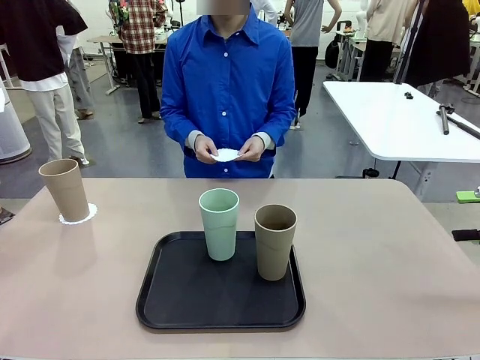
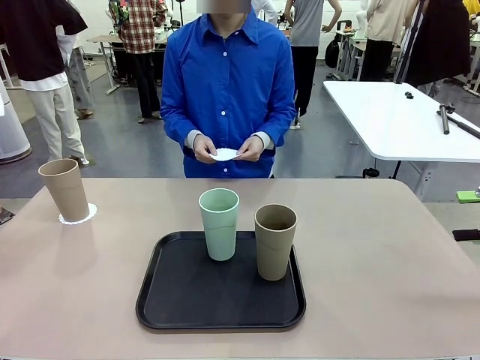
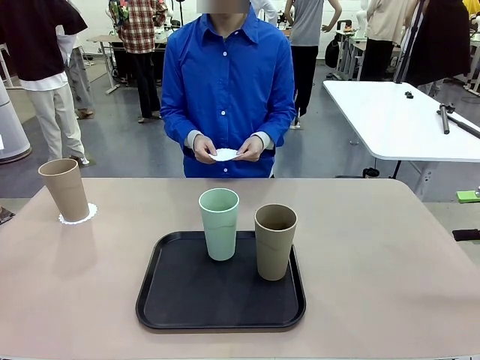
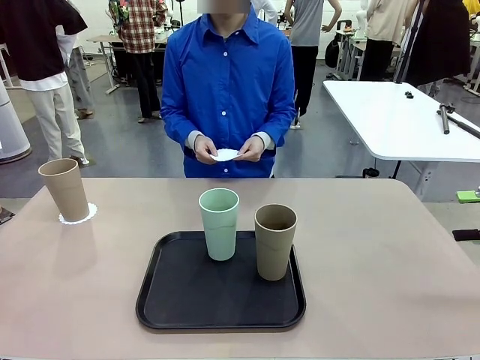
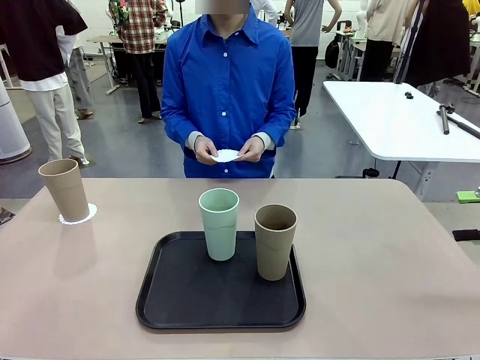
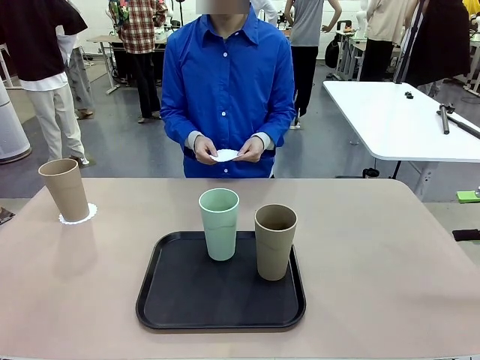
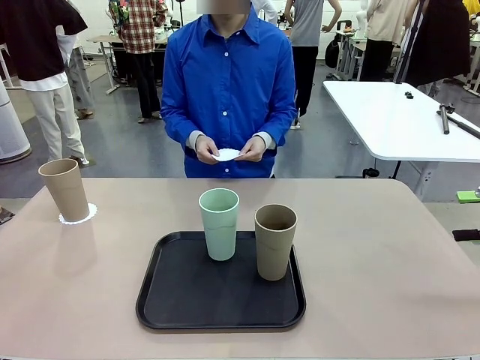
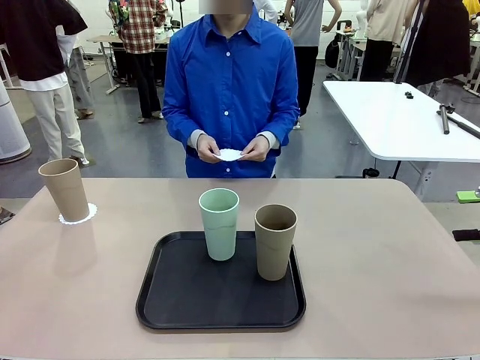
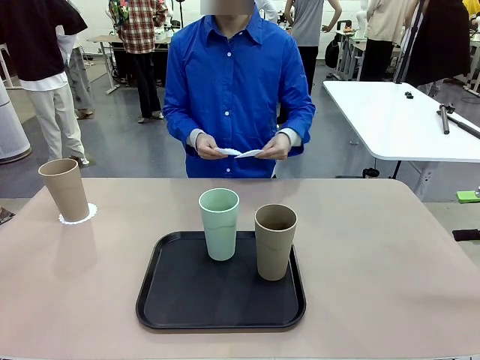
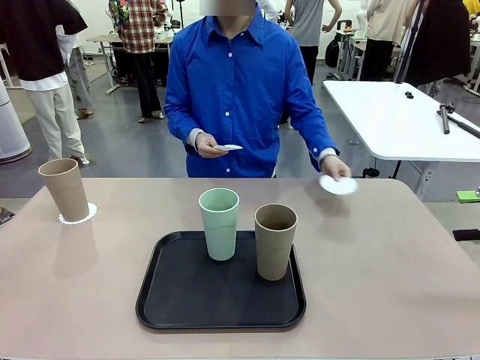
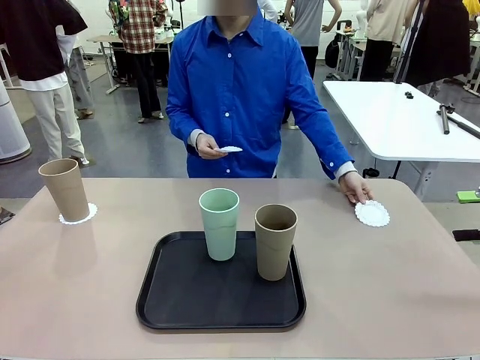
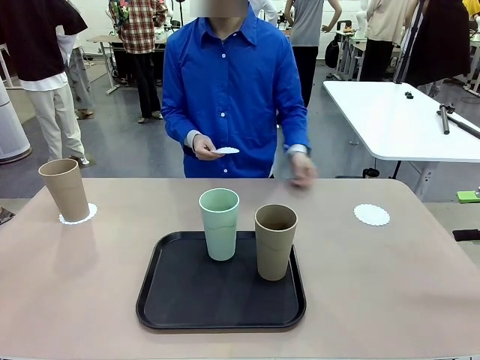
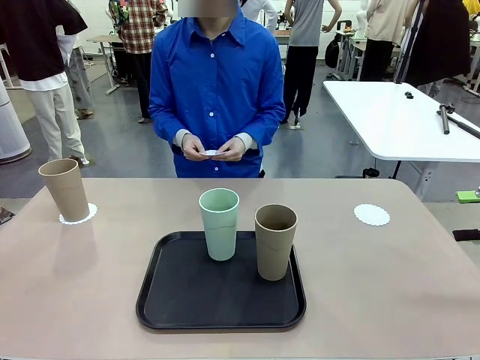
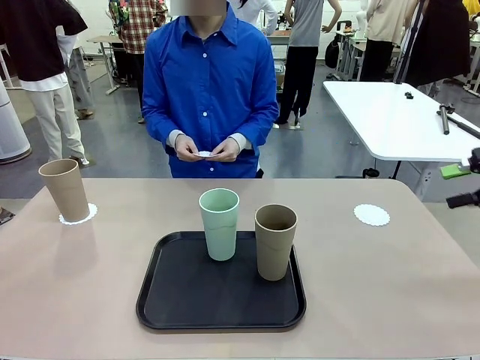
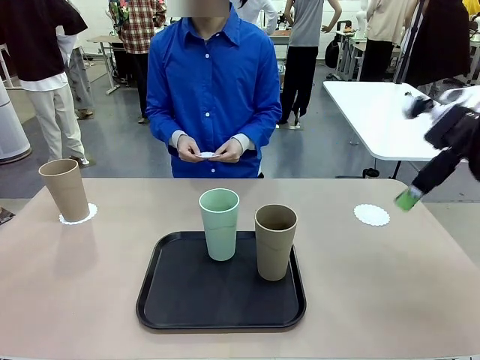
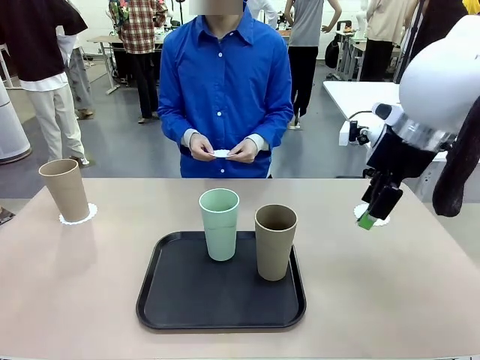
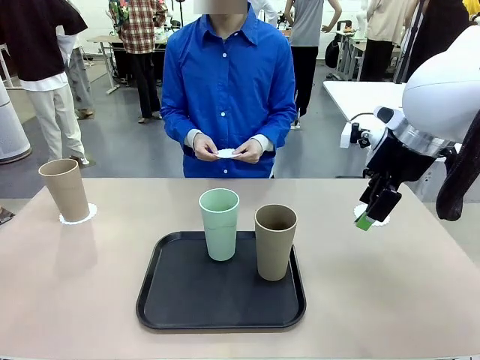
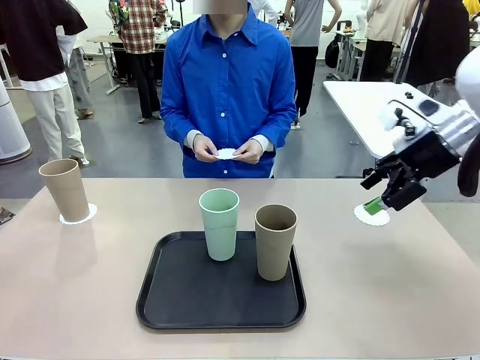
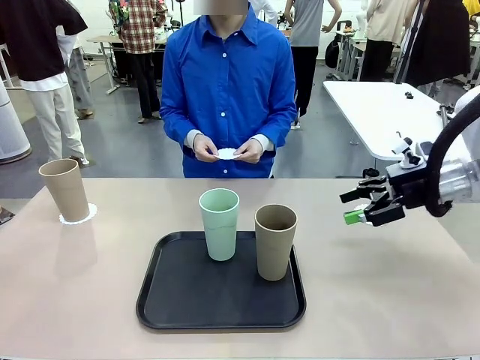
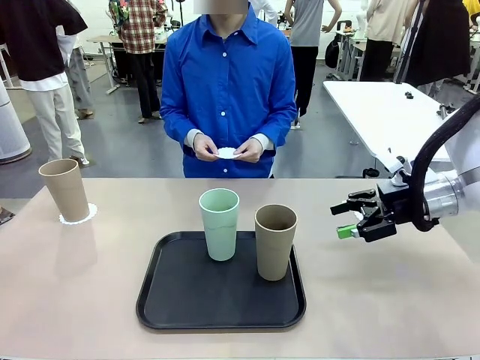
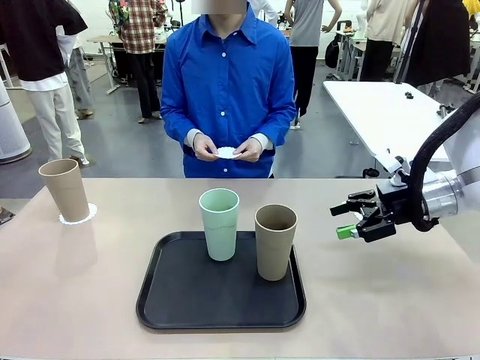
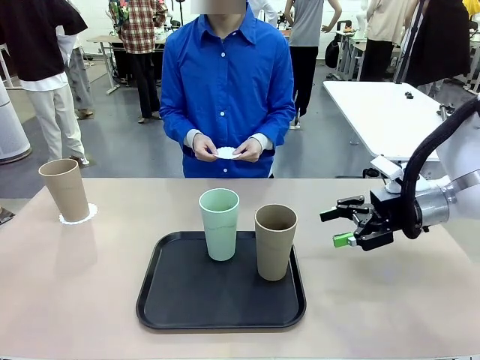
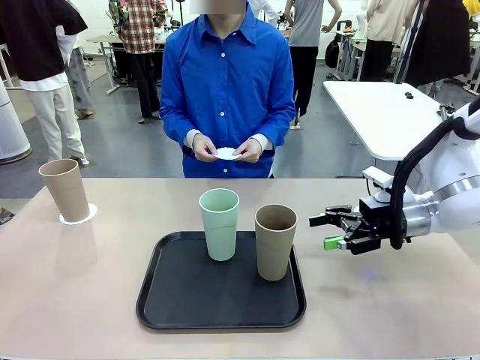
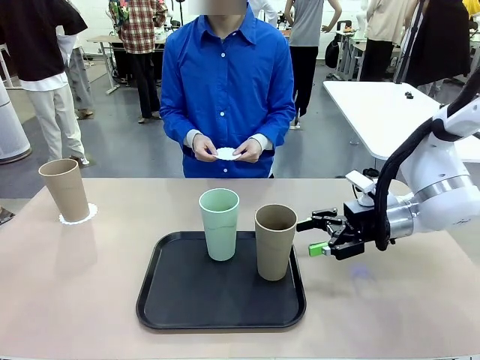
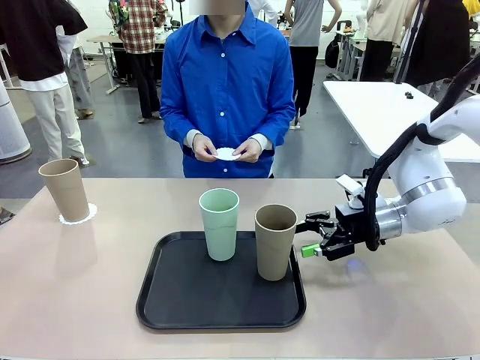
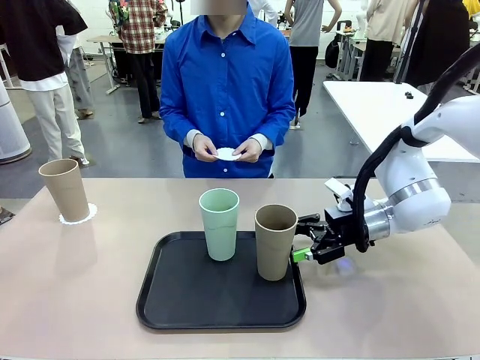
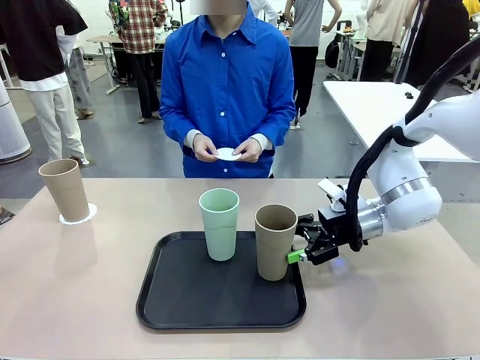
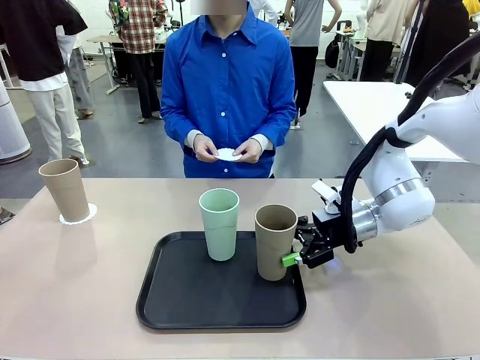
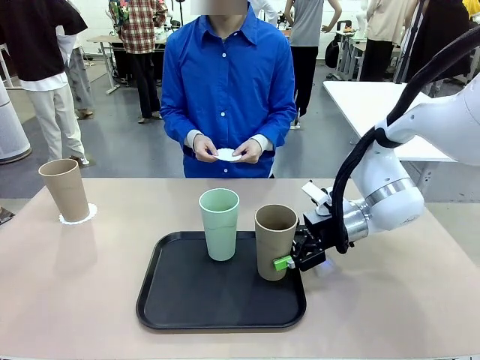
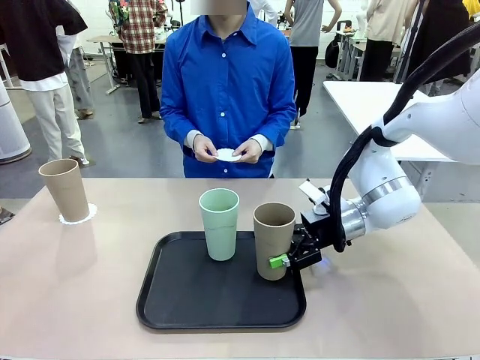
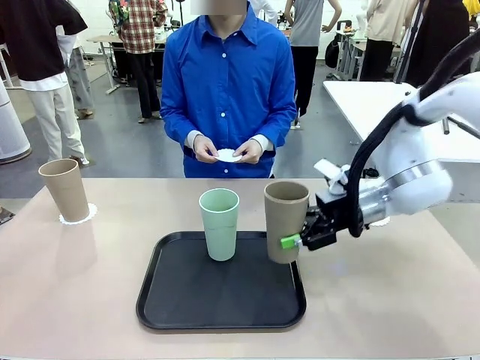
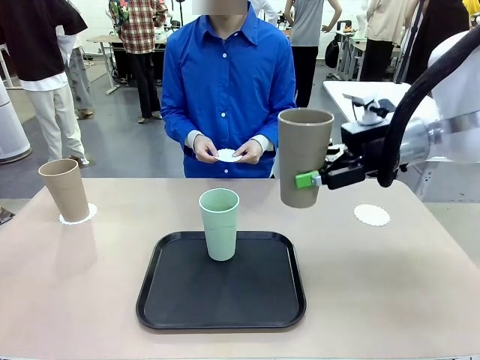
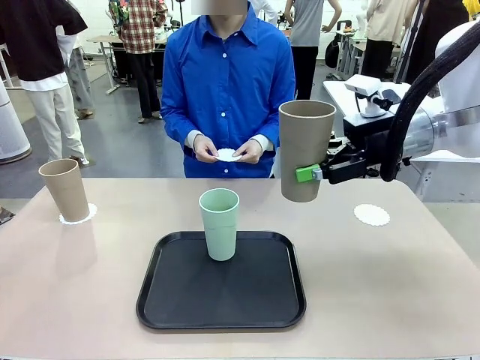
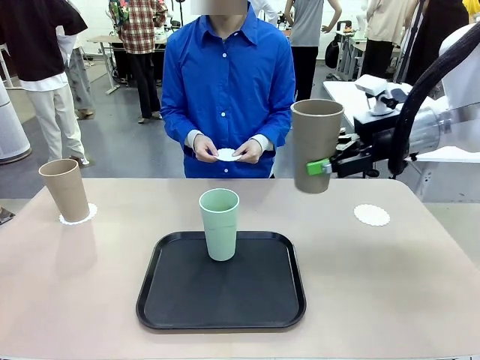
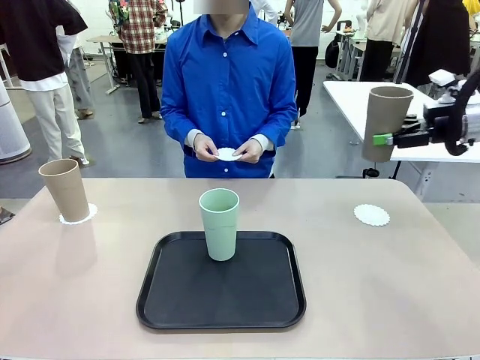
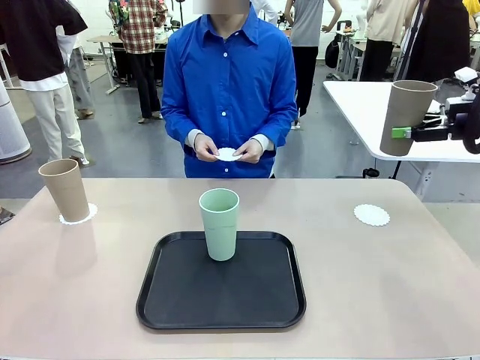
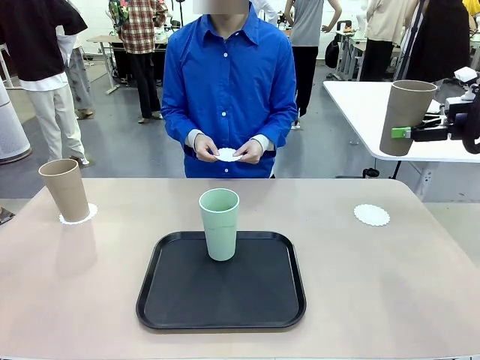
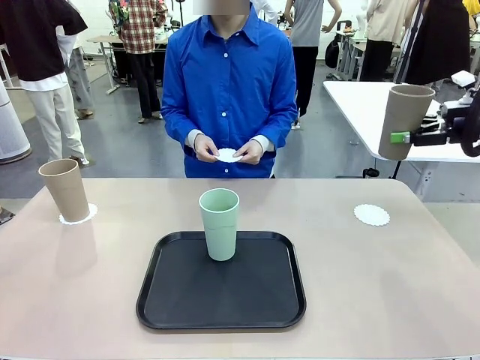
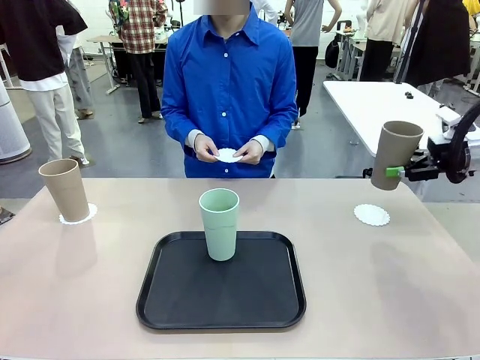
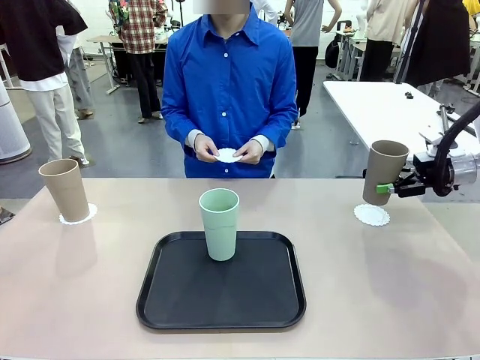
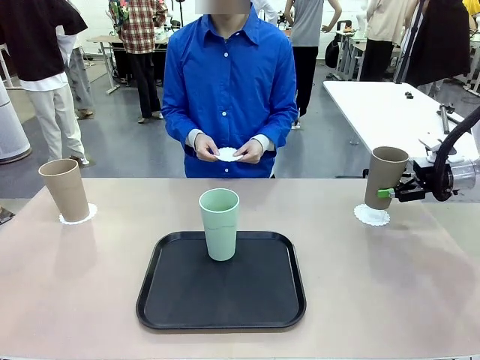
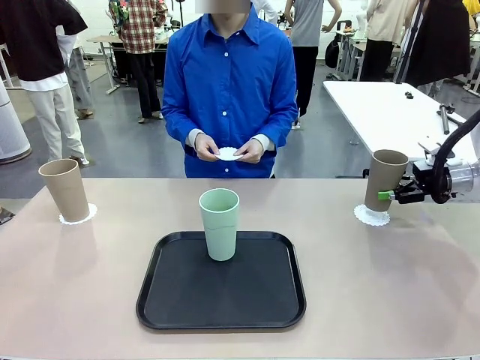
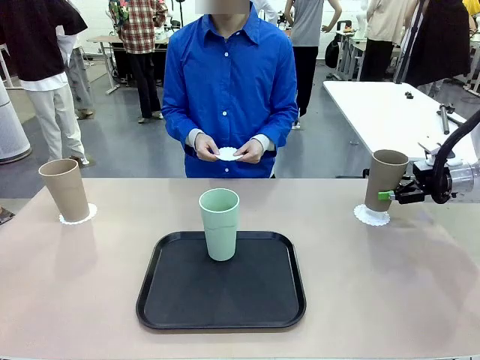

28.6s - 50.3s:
Task: Place coasters on the table and set cups on them.
Robot: Take one Reusable plastic cup from the Flat Tray and place it on a coaster set by the human.
